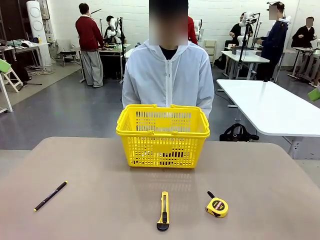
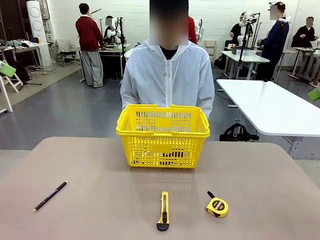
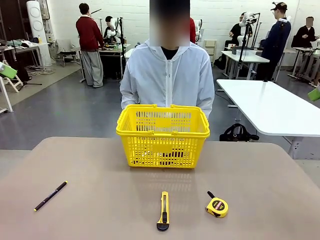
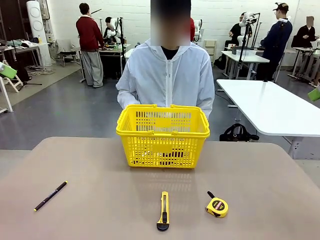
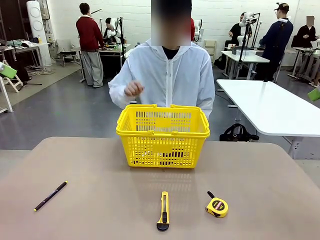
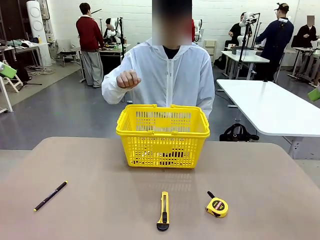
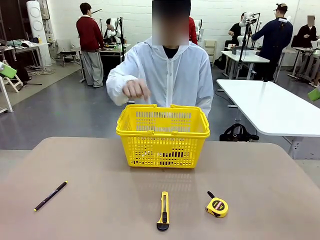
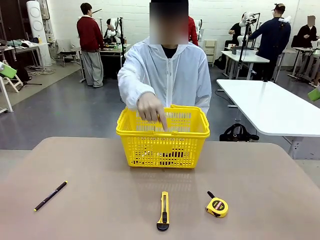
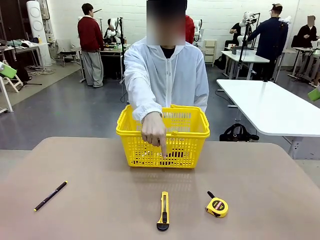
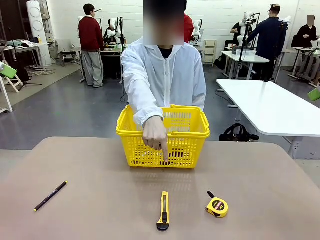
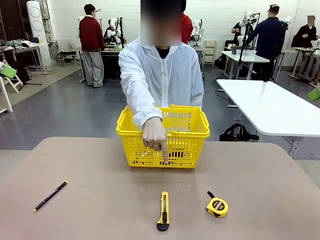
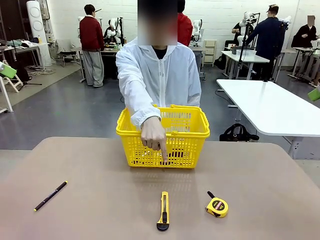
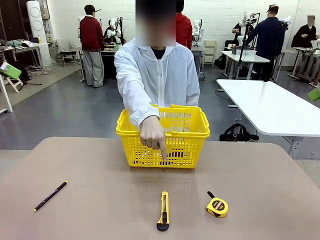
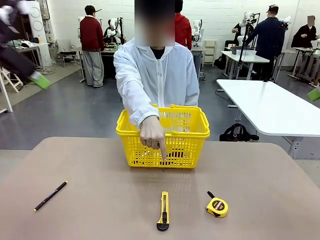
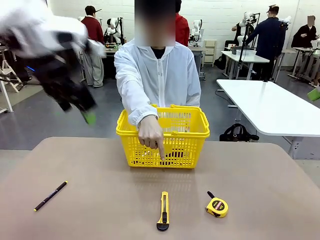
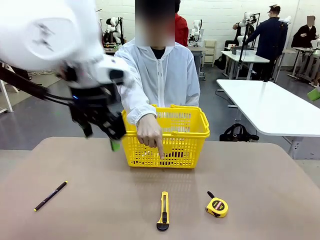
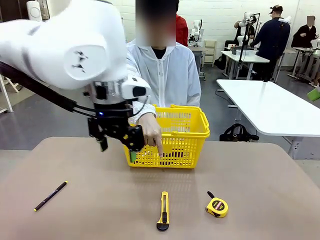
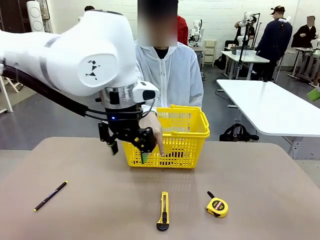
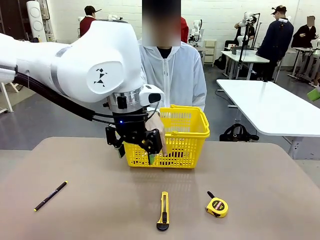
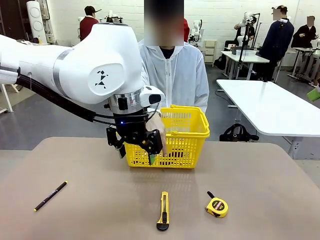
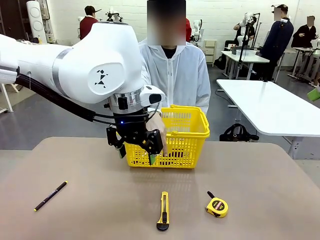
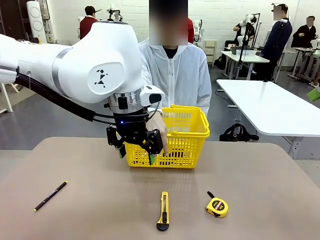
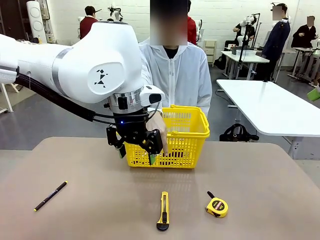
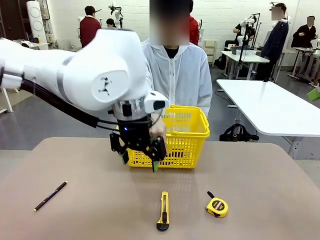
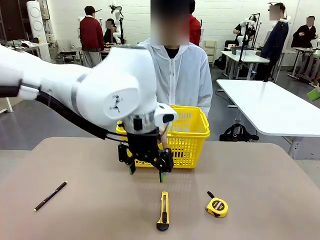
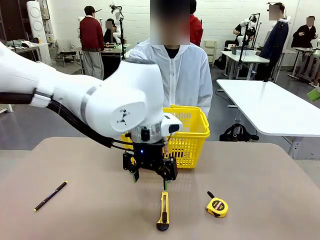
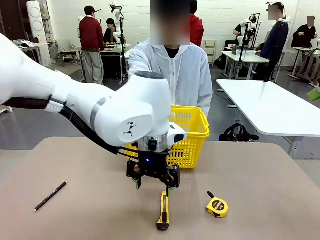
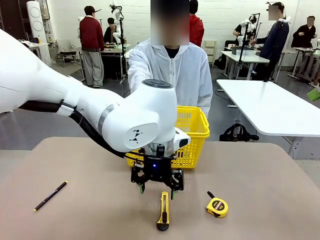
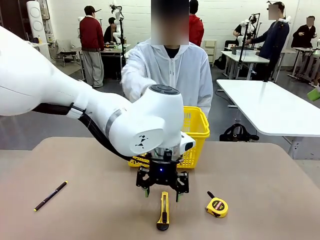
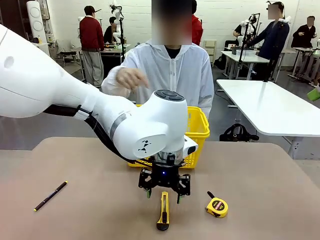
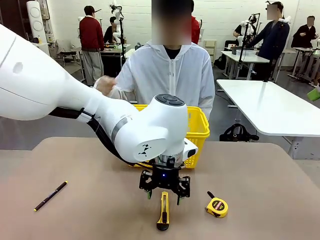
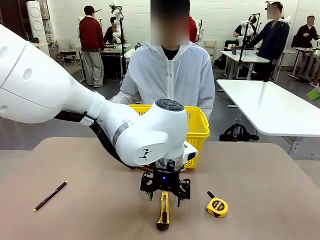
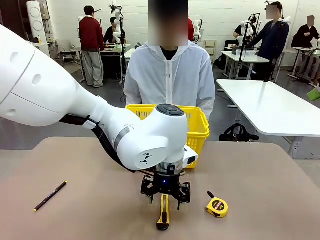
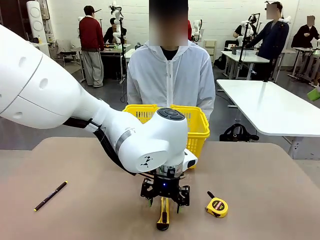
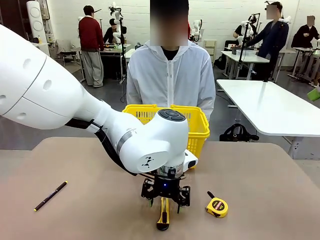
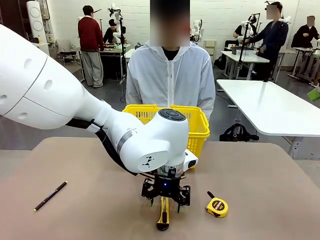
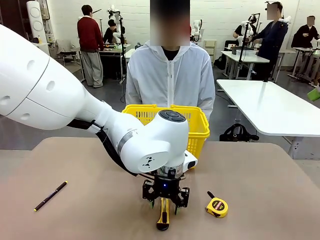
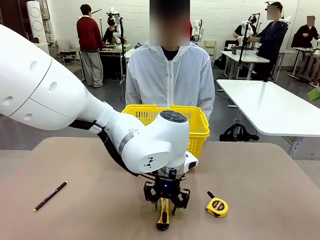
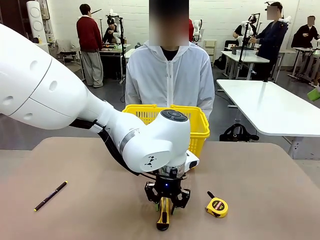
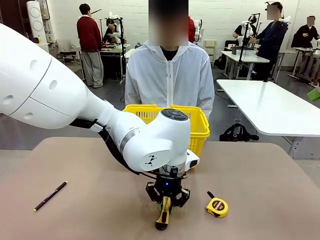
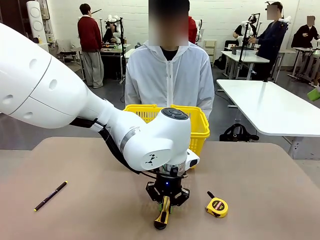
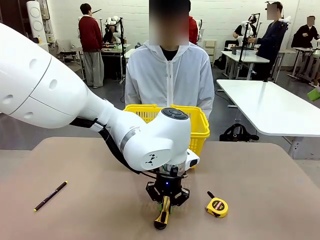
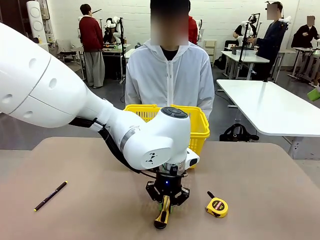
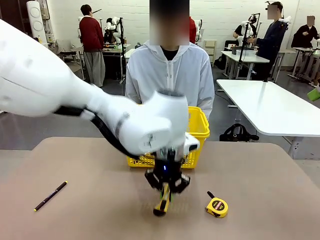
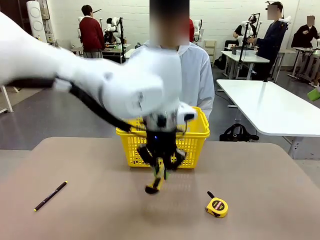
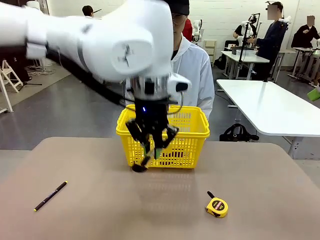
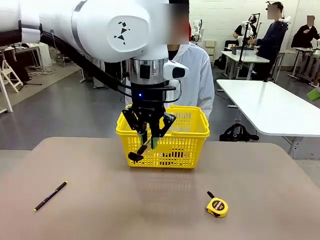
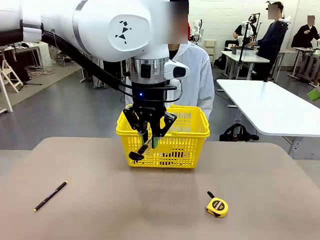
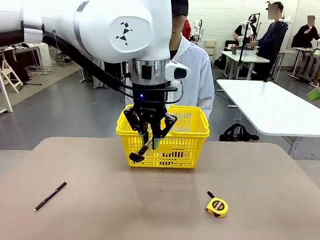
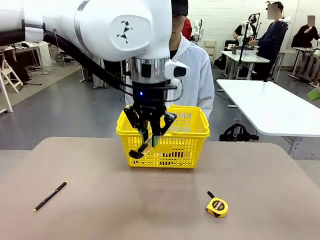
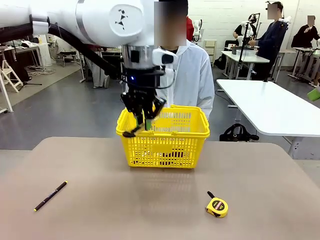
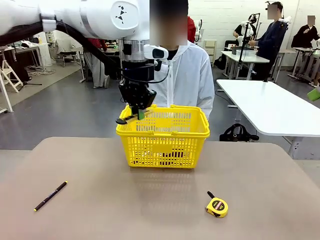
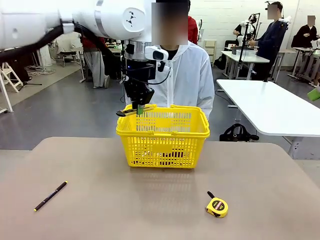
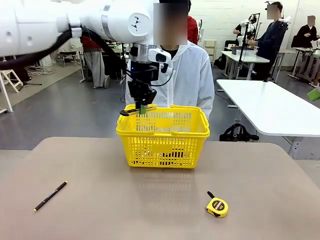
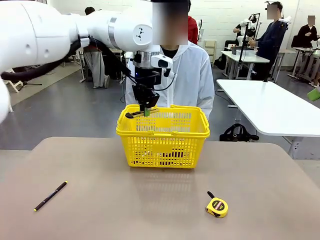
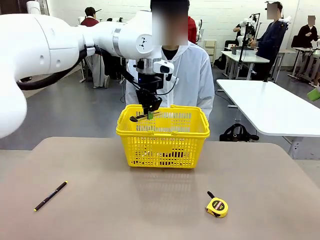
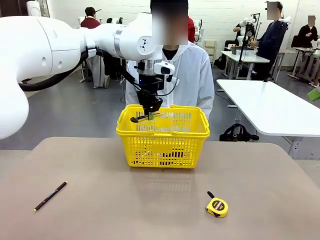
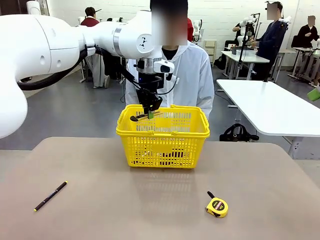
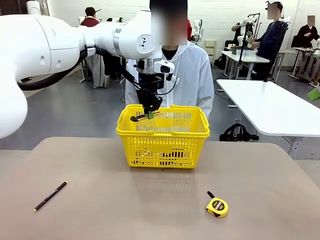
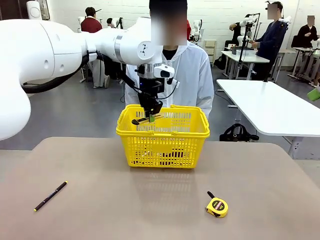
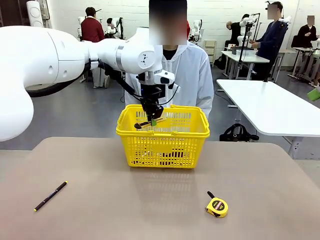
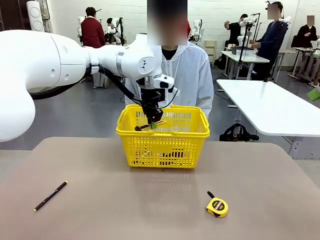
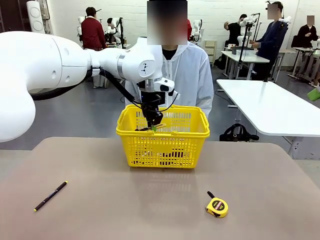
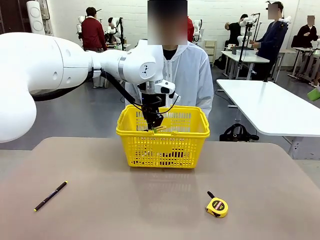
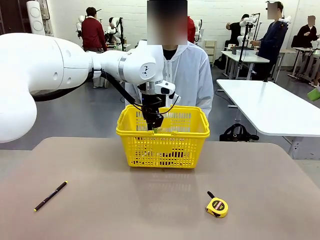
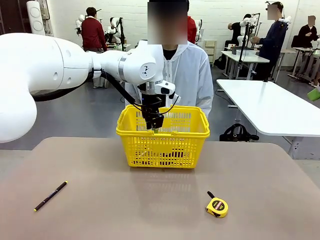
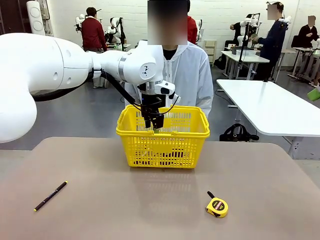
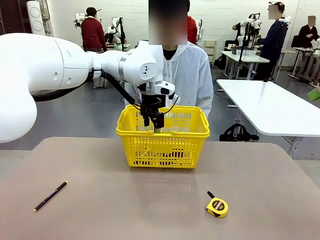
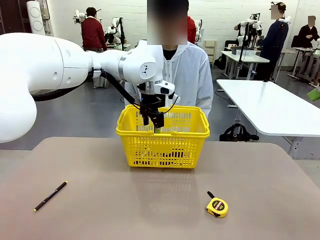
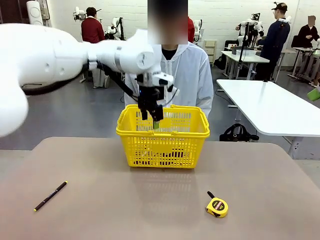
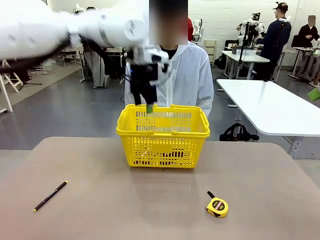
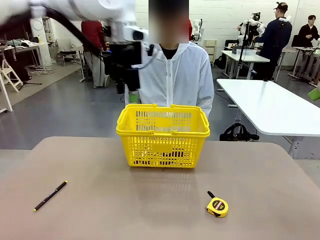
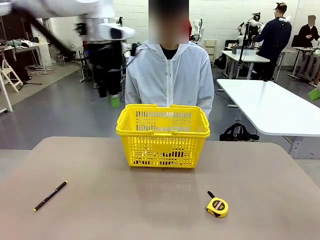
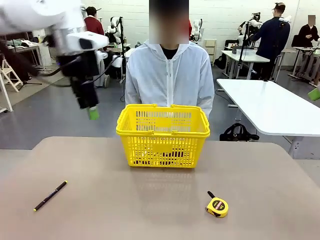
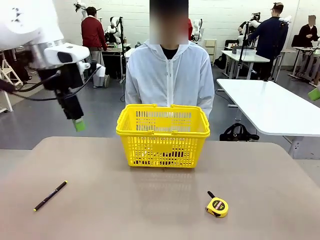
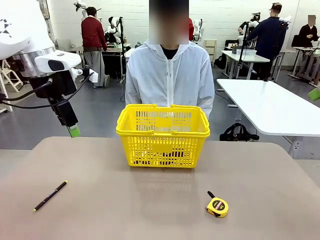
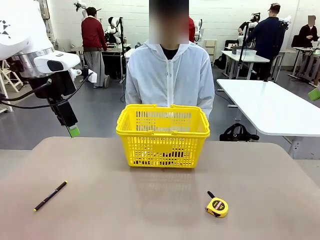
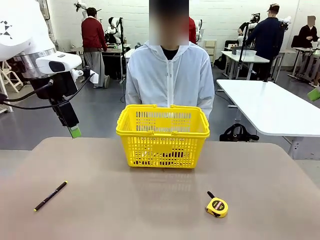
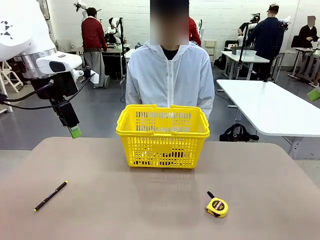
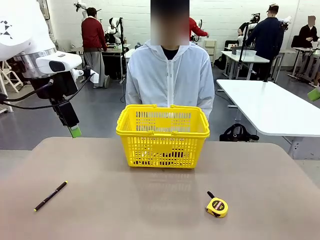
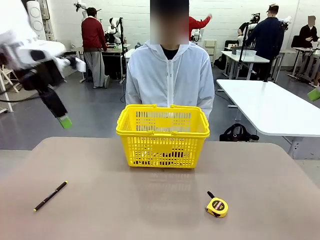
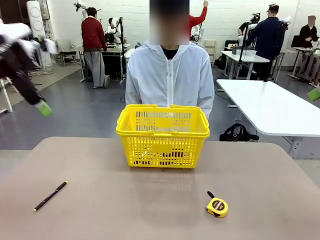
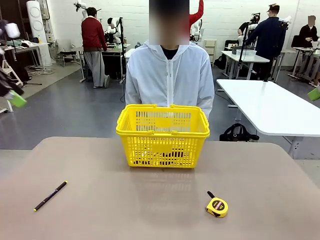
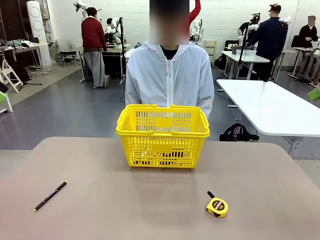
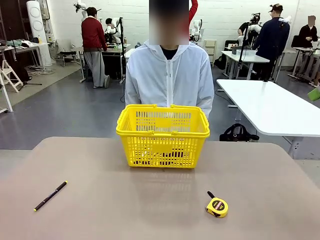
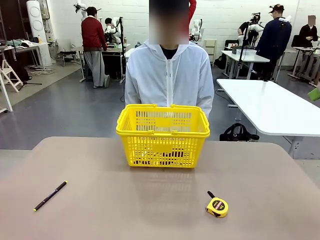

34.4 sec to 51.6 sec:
Task: Place the items the person wants into the basket.
Robot: Pick up the item the person points to and place it in the Market Basket.
